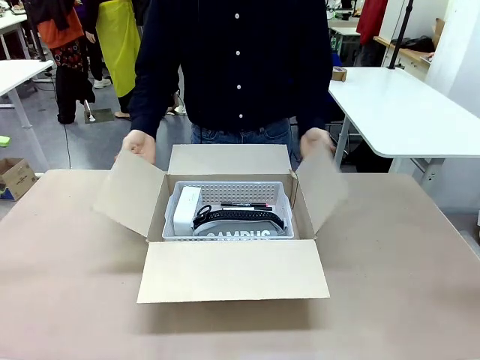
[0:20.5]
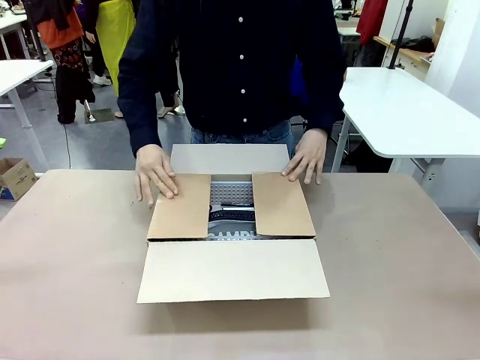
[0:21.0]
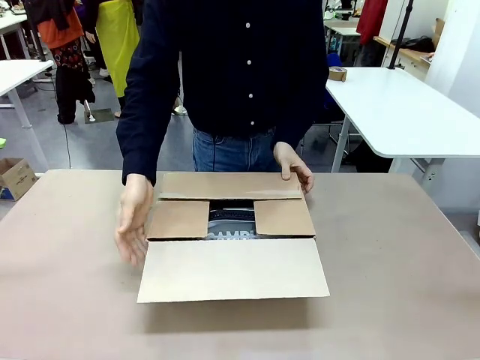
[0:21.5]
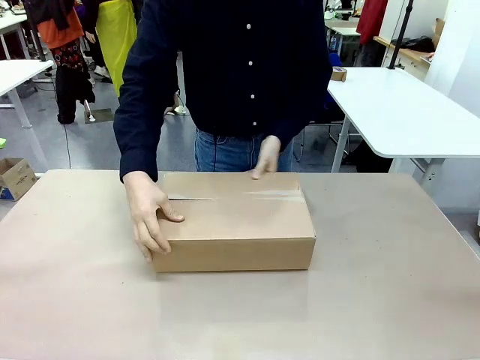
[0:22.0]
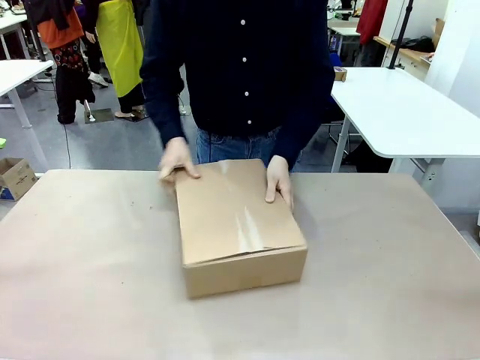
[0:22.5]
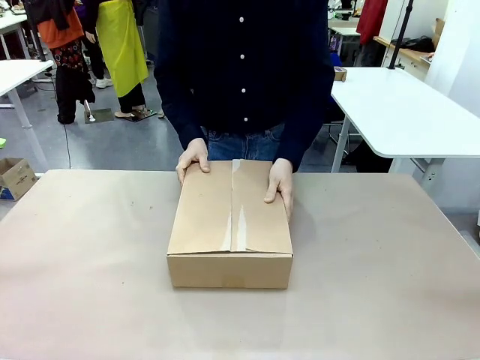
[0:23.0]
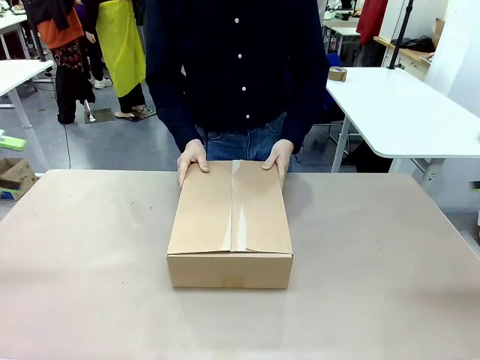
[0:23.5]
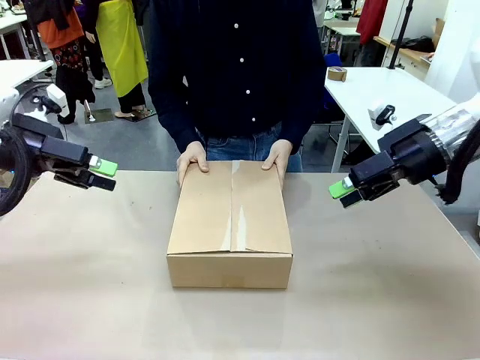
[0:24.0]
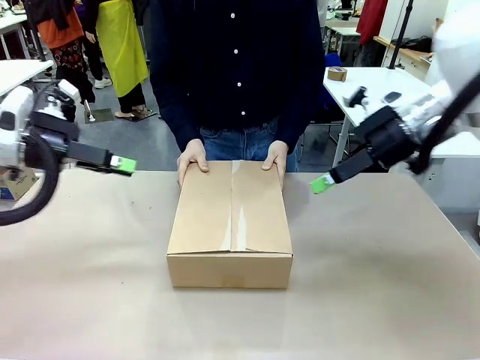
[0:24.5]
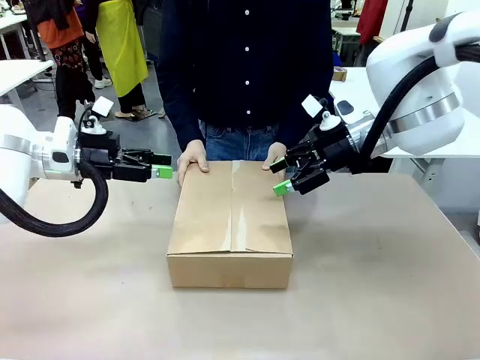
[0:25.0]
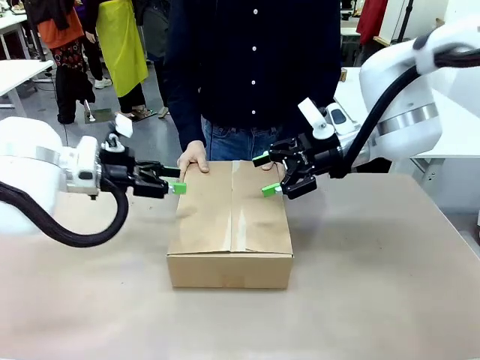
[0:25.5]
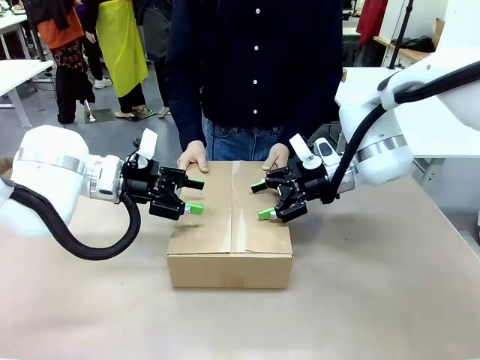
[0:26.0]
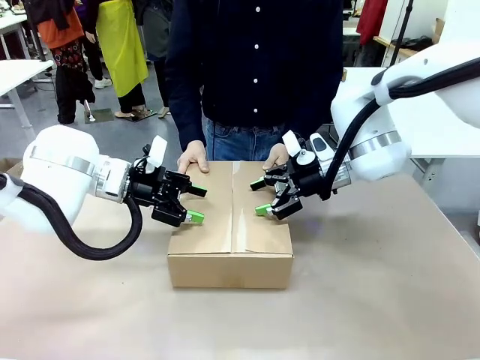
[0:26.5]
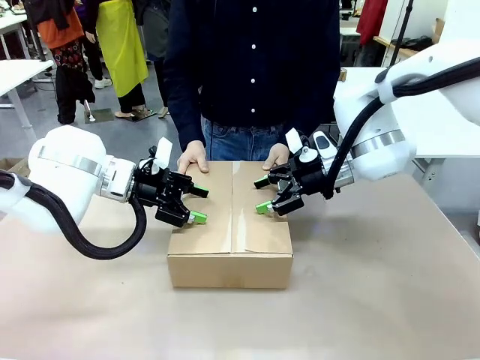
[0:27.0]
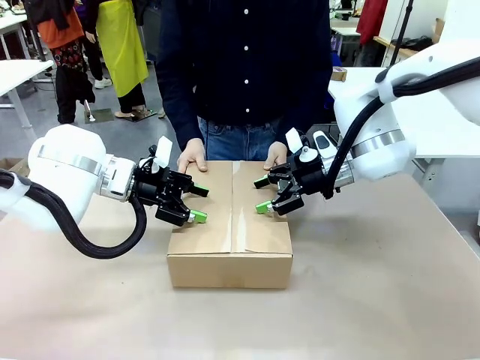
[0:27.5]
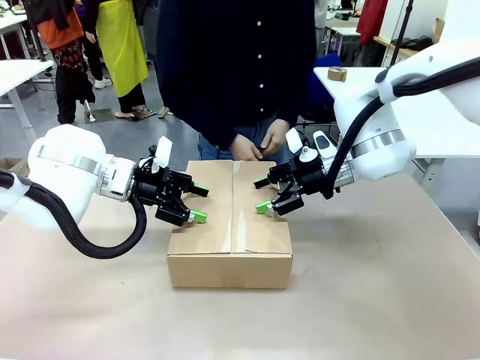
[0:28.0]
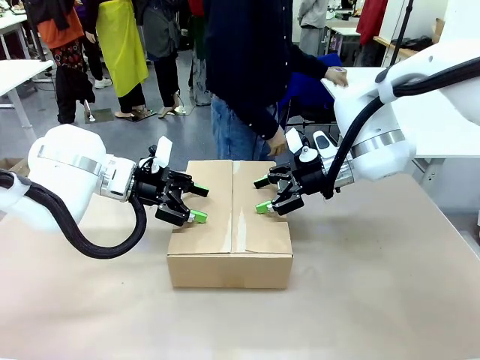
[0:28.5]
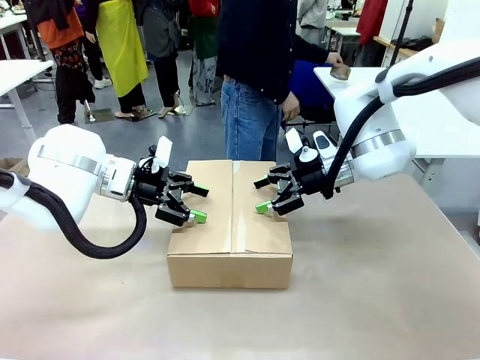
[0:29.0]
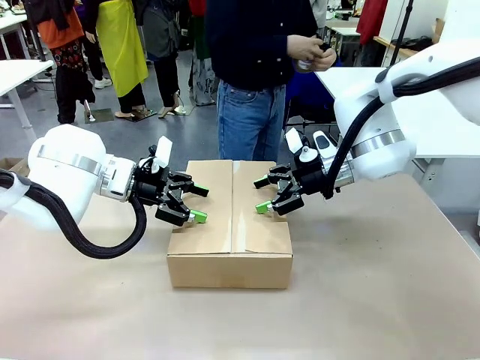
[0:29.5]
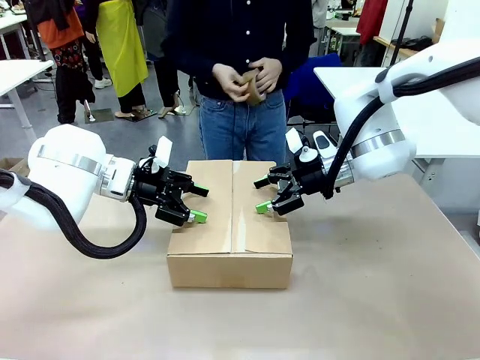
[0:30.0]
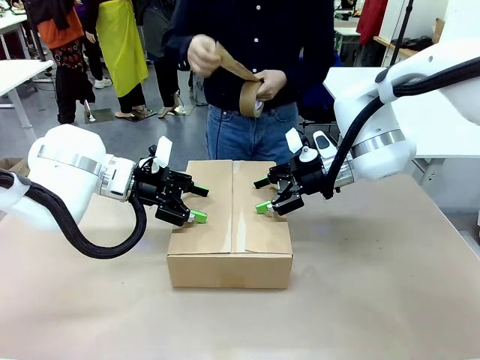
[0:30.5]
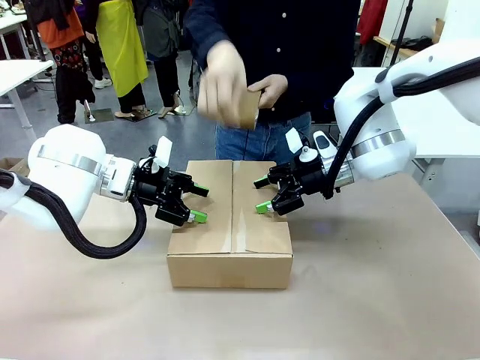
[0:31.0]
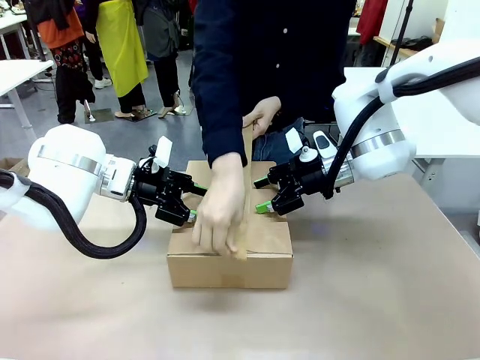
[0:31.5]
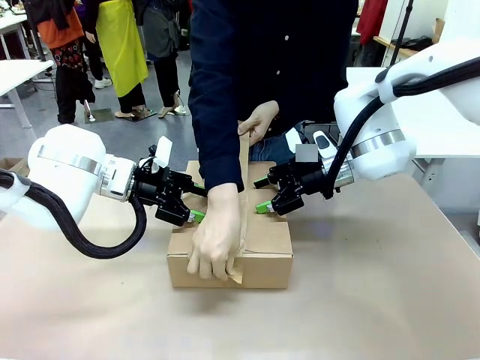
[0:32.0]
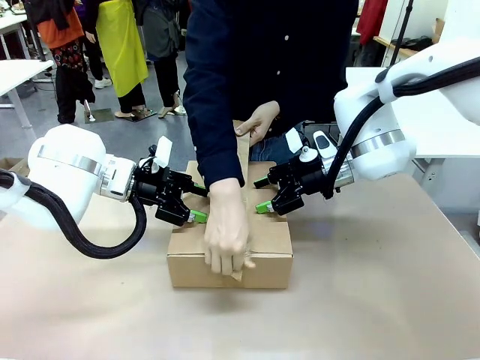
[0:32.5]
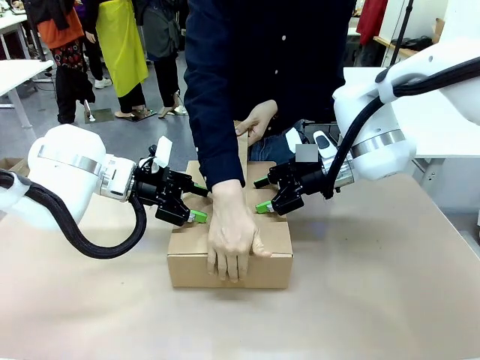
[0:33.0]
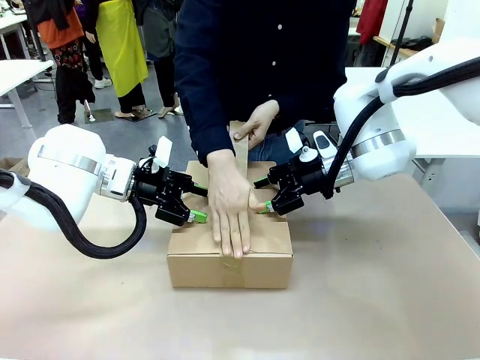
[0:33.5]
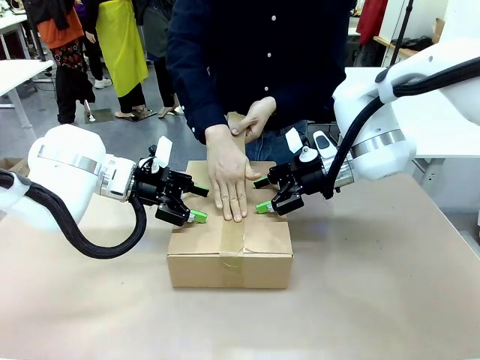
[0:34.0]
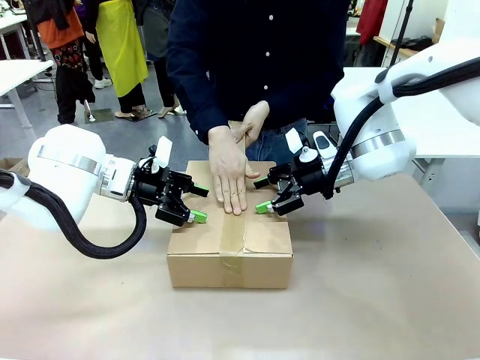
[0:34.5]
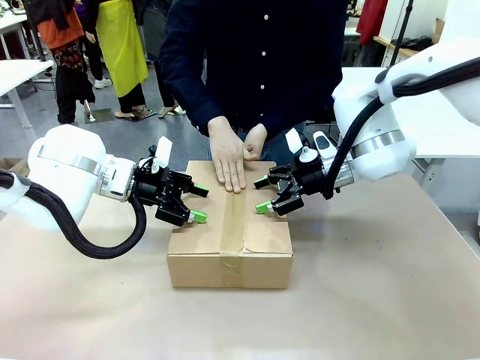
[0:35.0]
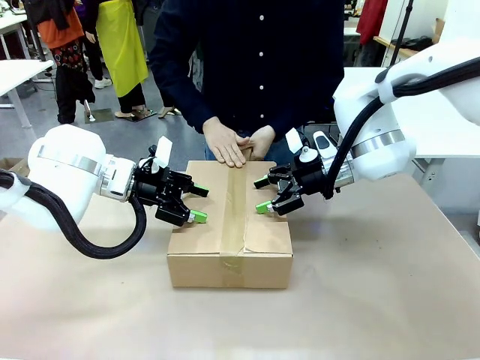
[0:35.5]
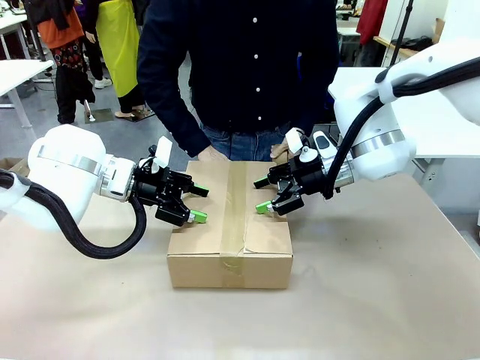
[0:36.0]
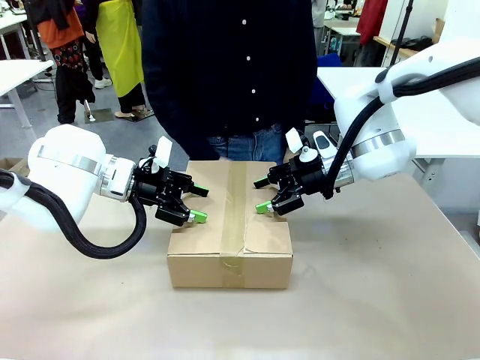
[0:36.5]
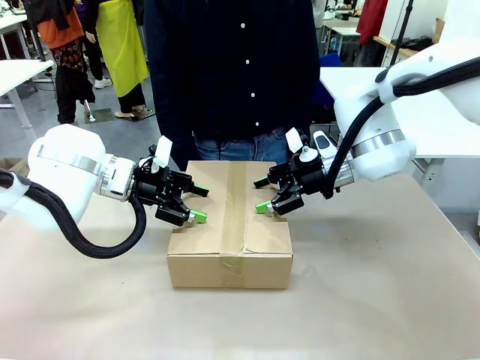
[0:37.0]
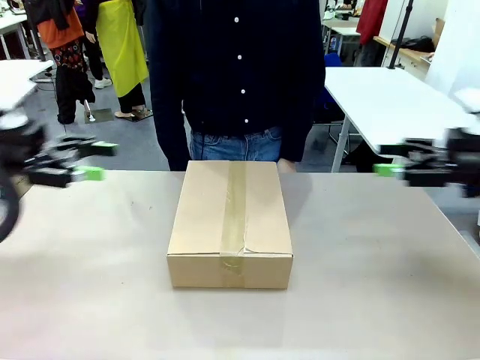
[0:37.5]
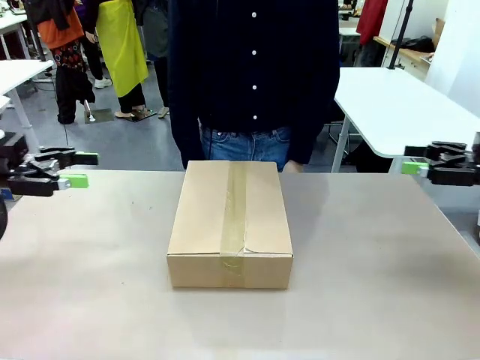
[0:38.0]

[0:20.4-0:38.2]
Task: Pack the gift set into the box.
Robot: Press and hold the closed box until the human finishes sealing it.
Person: The human closes the box and rotates the box by 90 degrees. The human picks up the paper tape from the human table and packs the box.

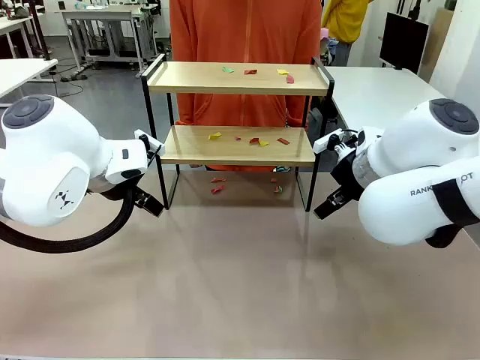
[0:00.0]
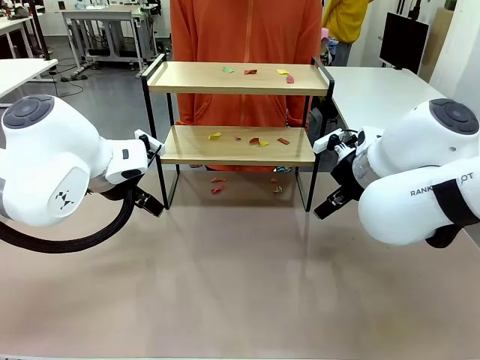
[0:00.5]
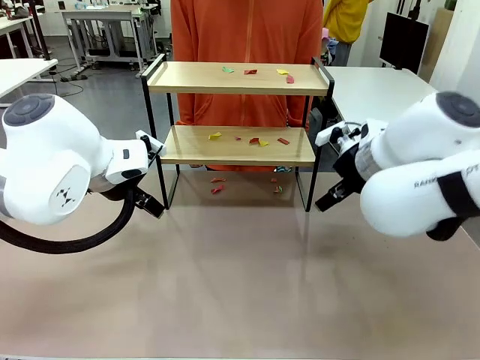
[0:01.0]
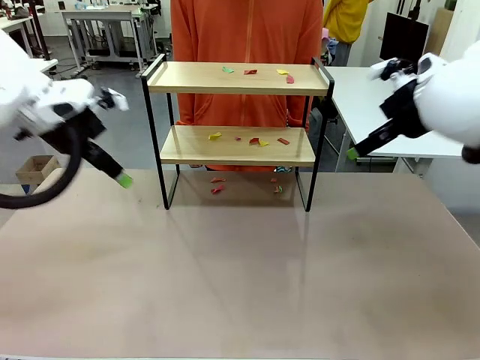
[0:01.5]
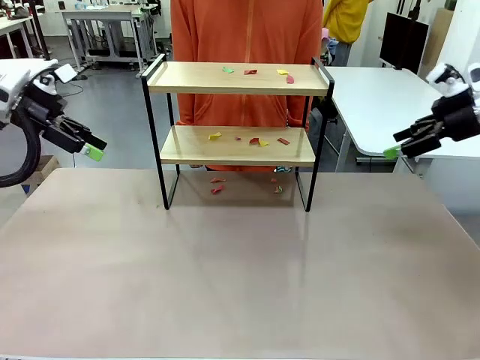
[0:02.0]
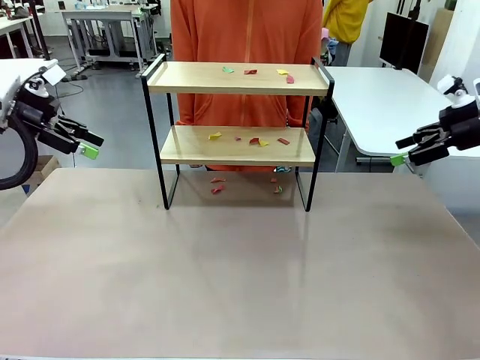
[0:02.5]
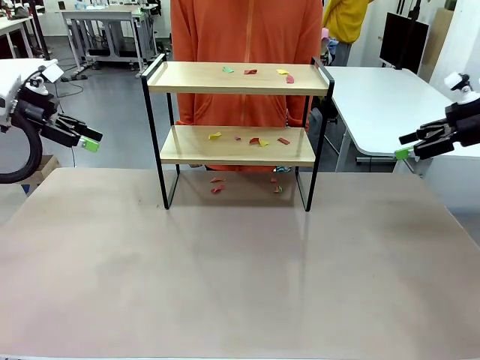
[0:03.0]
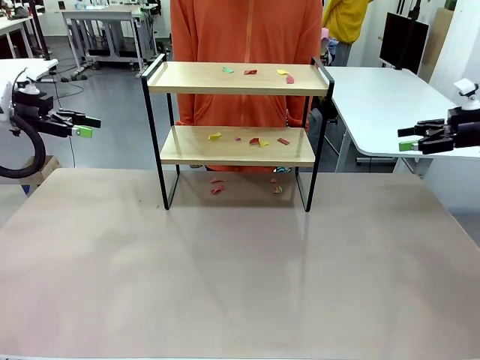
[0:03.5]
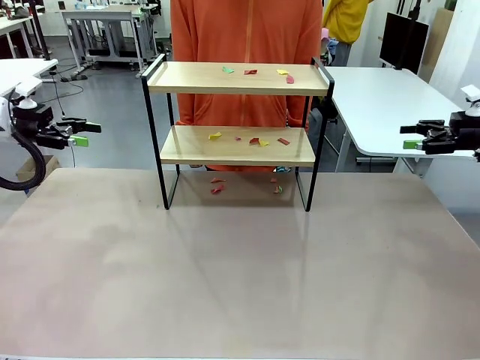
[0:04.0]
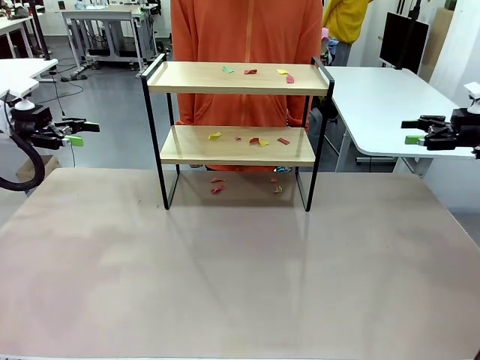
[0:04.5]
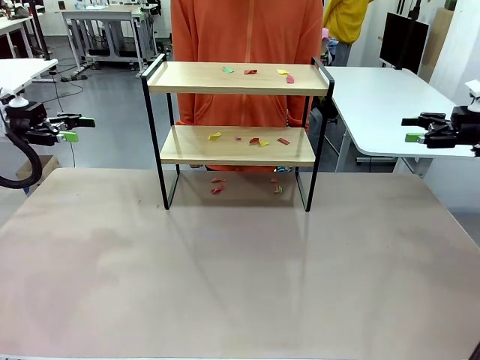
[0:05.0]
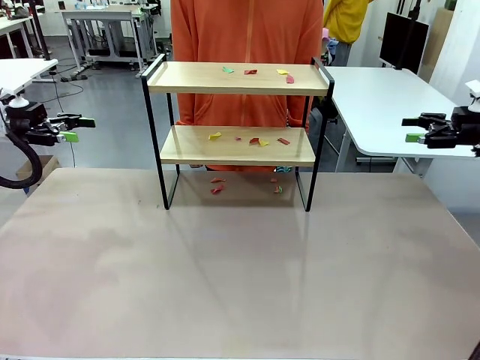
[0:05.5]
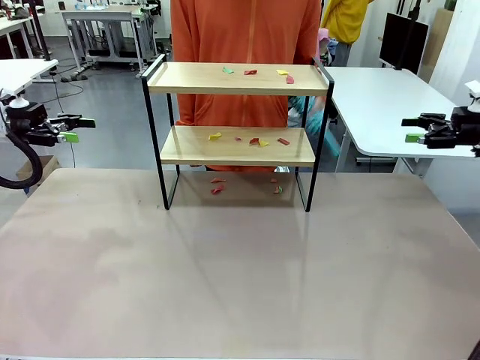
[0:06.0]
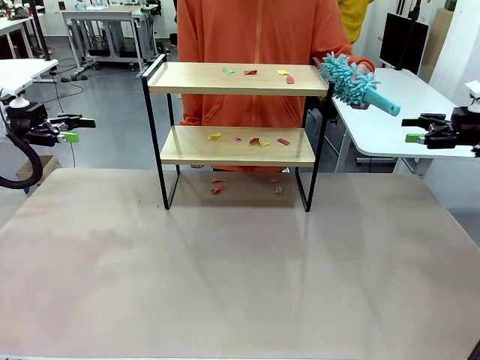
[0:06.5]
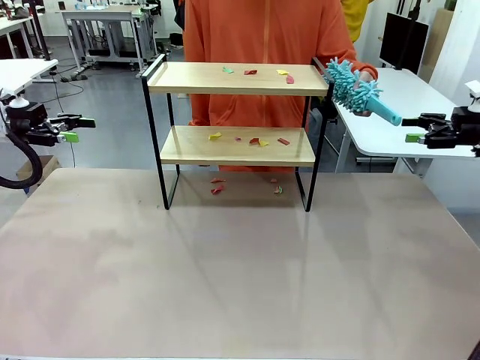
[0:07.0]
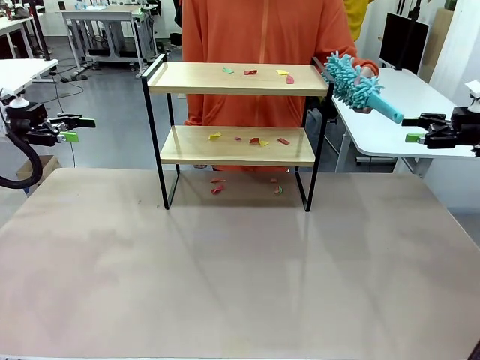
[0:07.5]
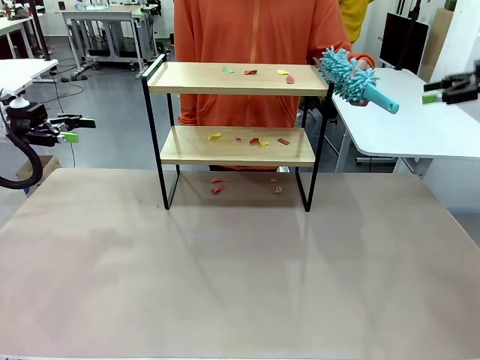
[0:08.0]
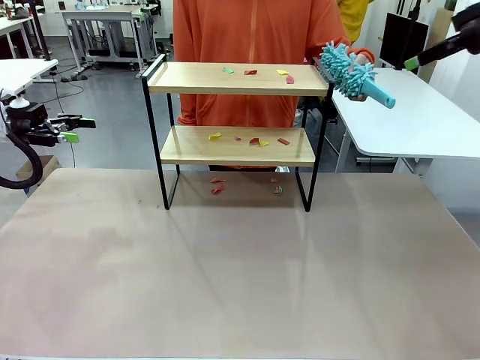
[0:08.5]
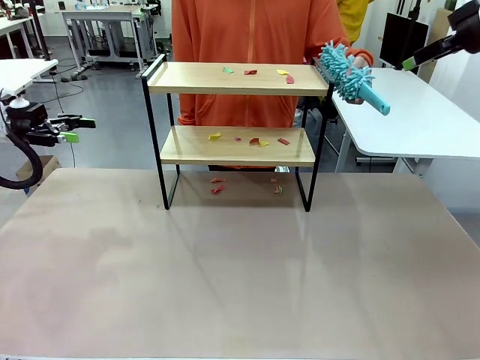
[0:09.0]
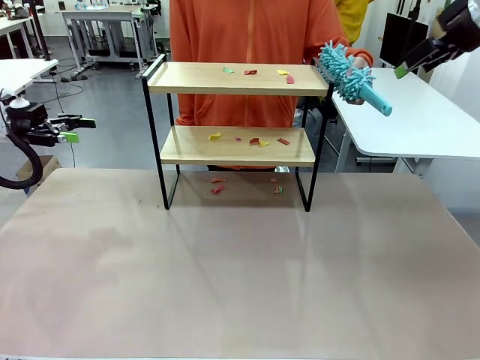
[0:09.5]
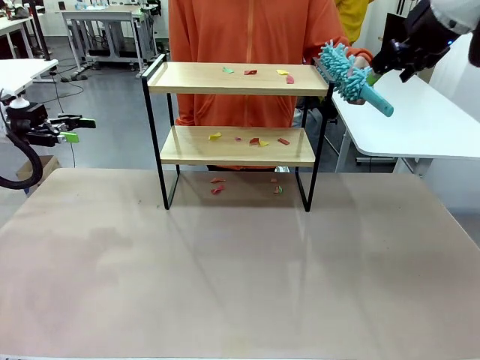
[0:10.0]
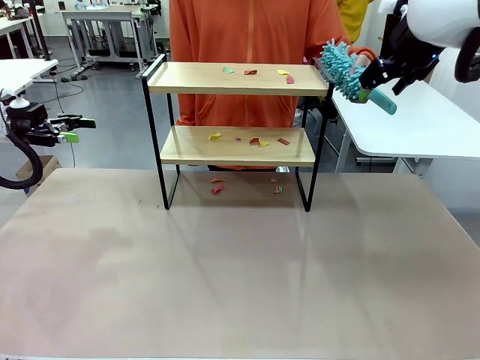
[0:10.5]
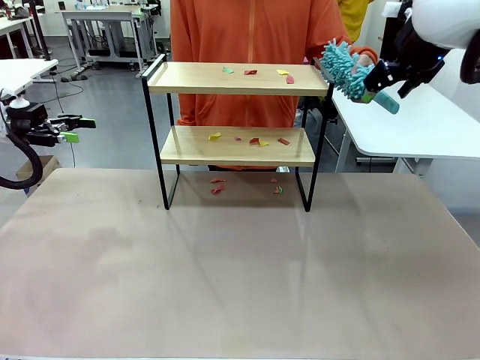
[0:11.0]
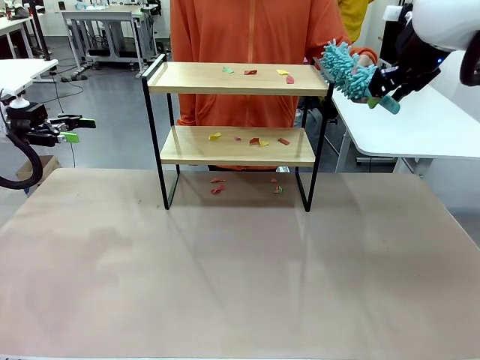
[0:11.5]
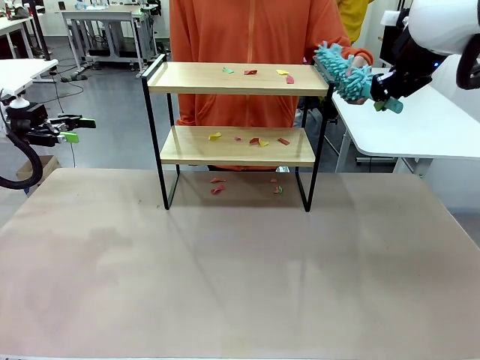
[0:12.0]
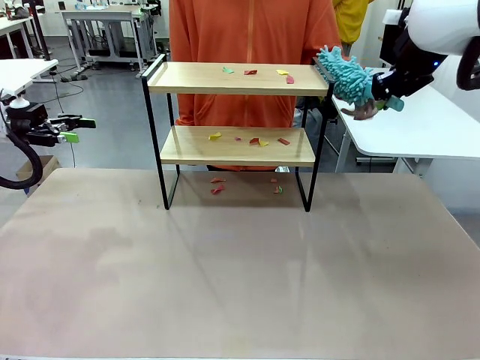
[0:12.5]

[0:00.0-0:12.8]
Task: Clean the shelf.
Robot: Pick up the Duster handed by the human.
Person: Hand the Duster to the robot.
